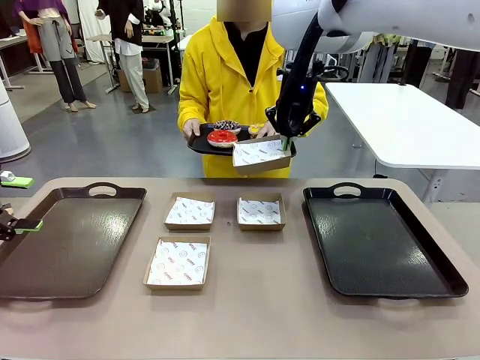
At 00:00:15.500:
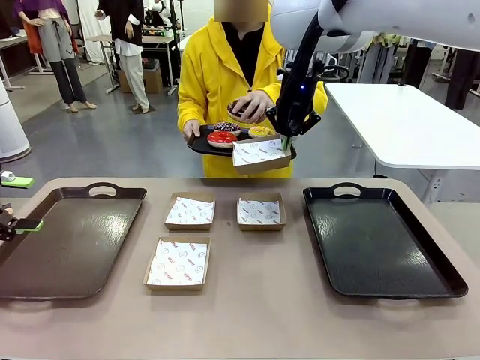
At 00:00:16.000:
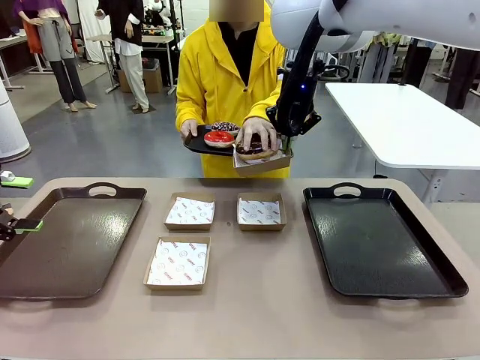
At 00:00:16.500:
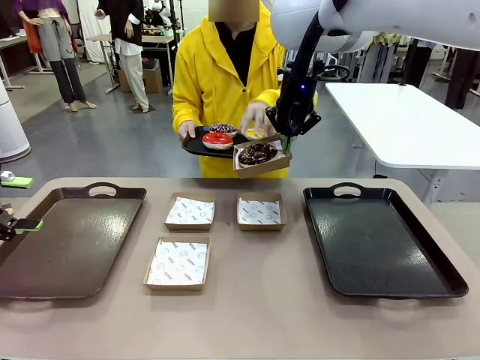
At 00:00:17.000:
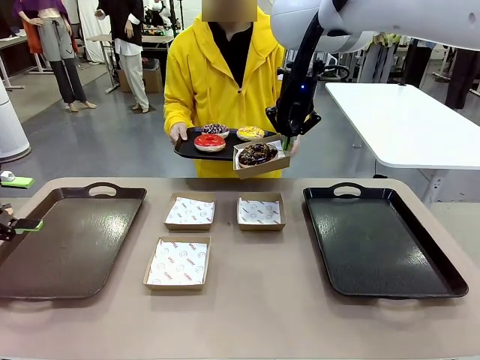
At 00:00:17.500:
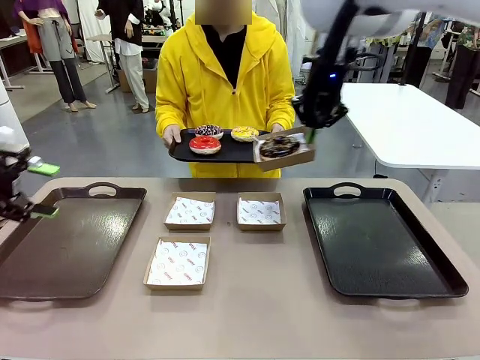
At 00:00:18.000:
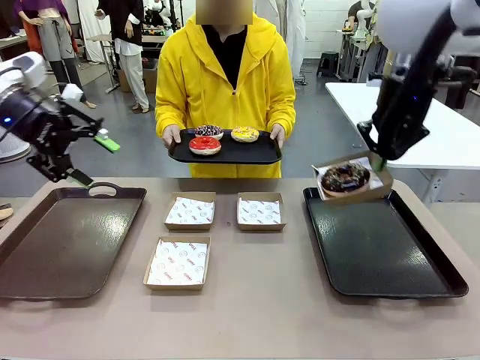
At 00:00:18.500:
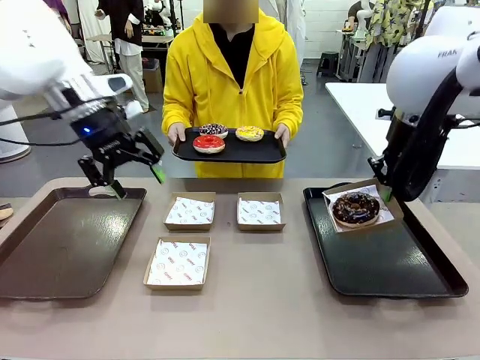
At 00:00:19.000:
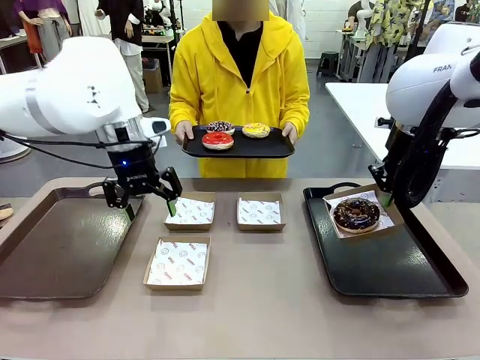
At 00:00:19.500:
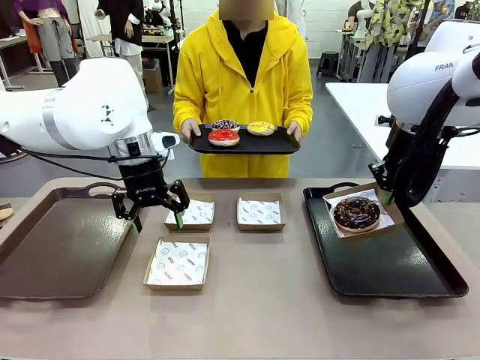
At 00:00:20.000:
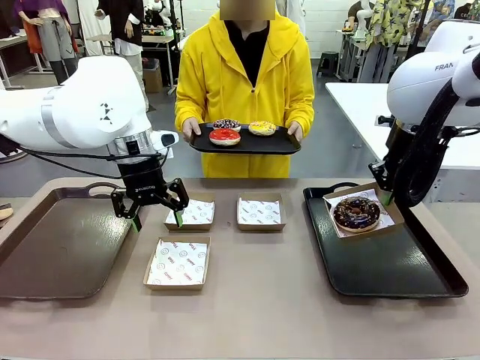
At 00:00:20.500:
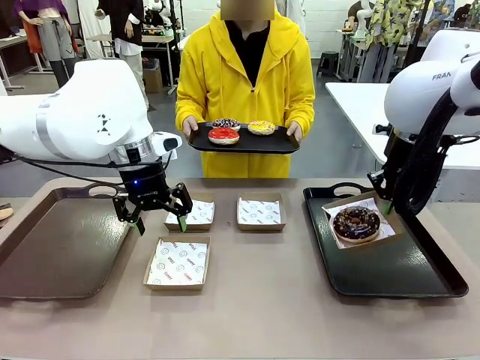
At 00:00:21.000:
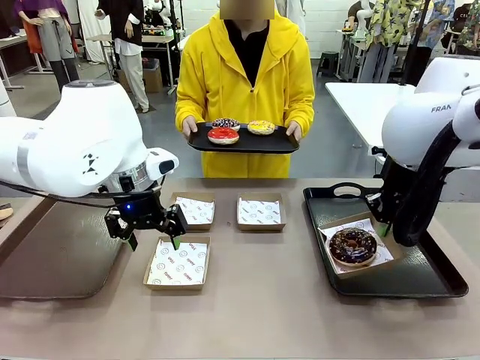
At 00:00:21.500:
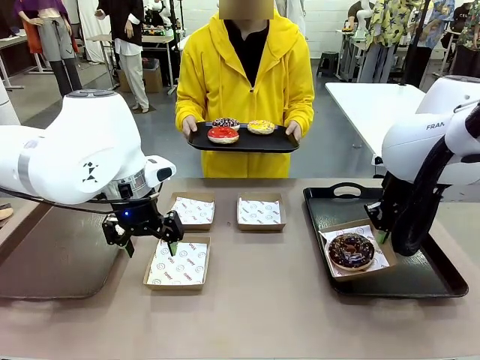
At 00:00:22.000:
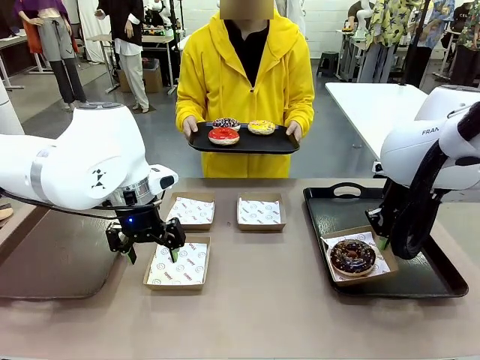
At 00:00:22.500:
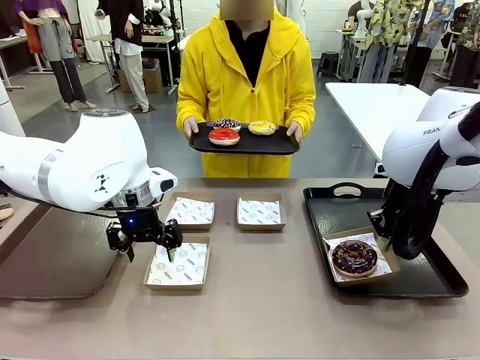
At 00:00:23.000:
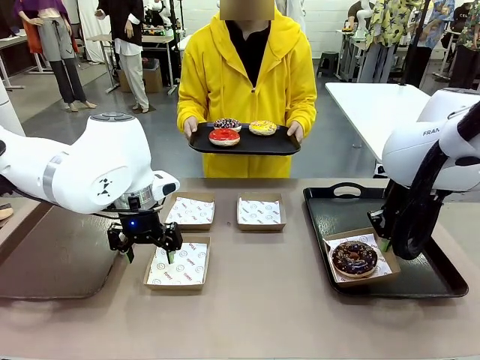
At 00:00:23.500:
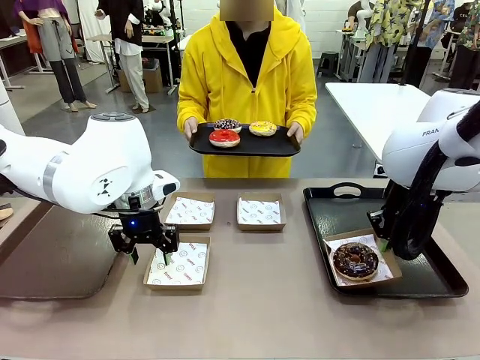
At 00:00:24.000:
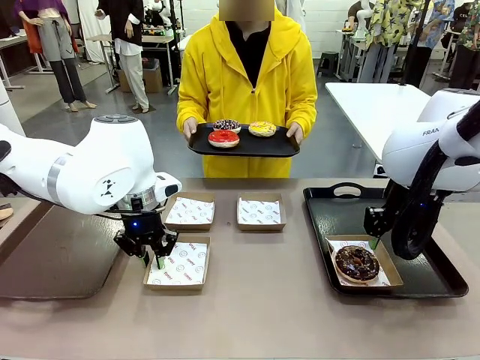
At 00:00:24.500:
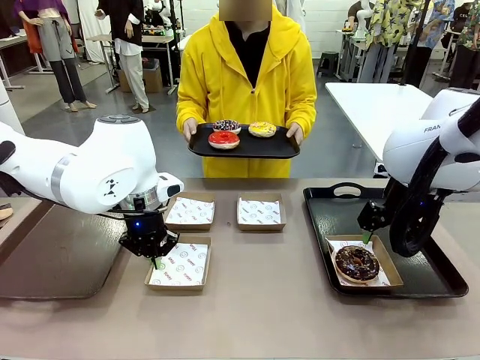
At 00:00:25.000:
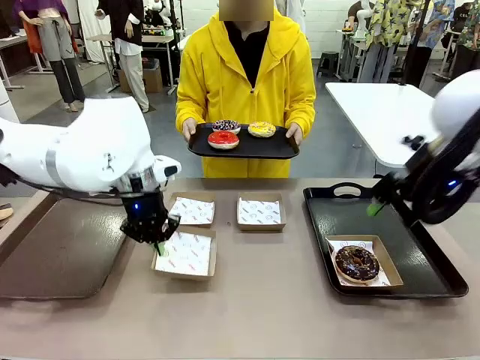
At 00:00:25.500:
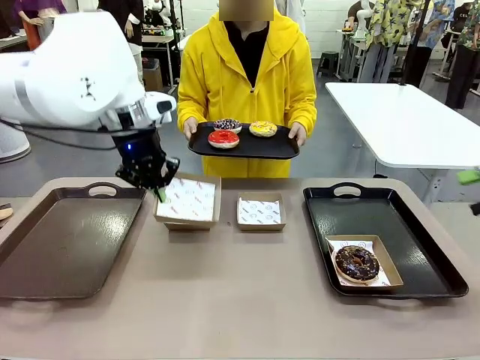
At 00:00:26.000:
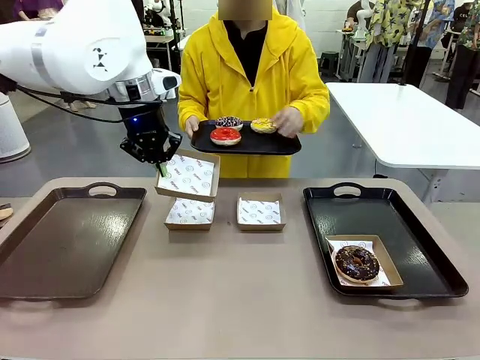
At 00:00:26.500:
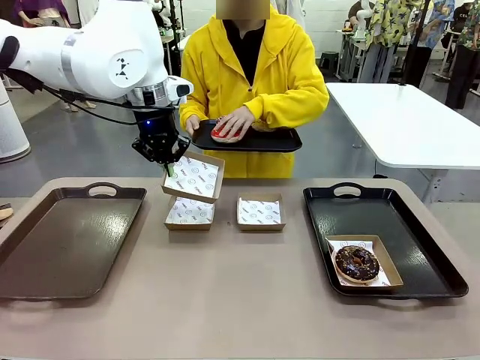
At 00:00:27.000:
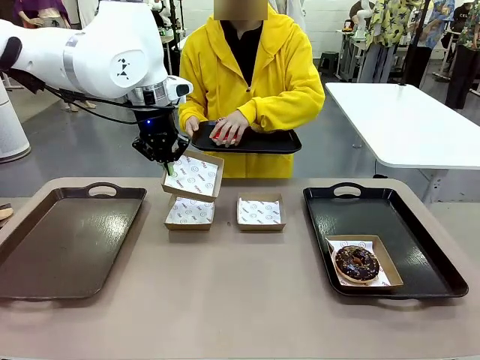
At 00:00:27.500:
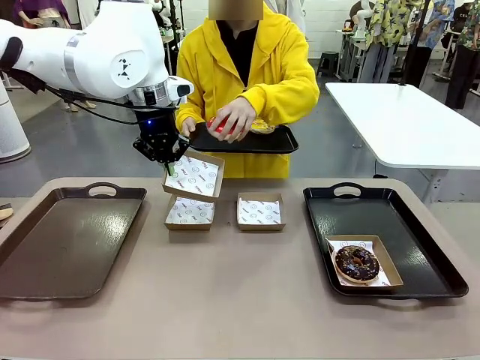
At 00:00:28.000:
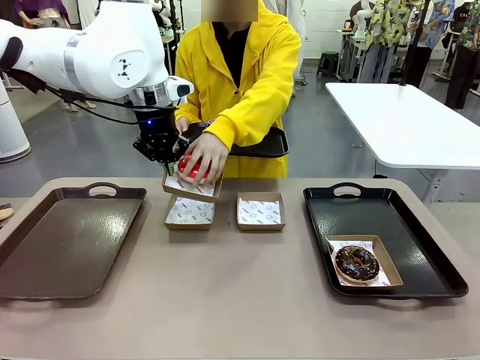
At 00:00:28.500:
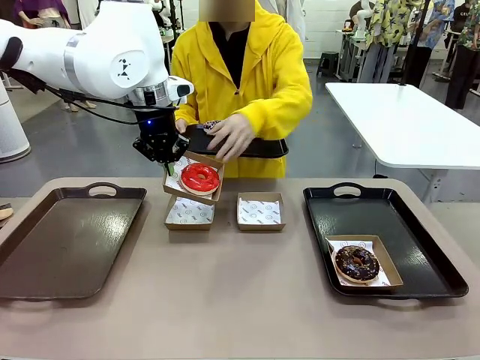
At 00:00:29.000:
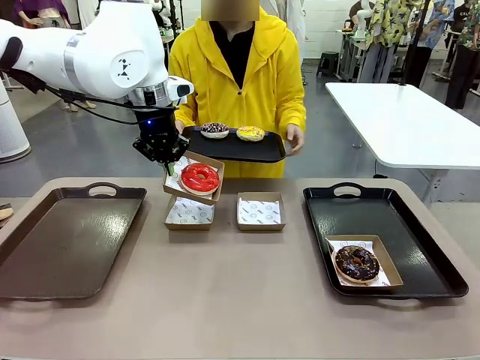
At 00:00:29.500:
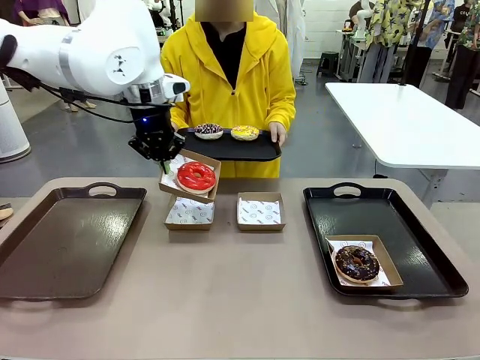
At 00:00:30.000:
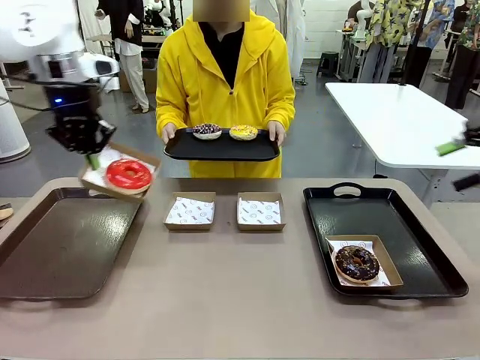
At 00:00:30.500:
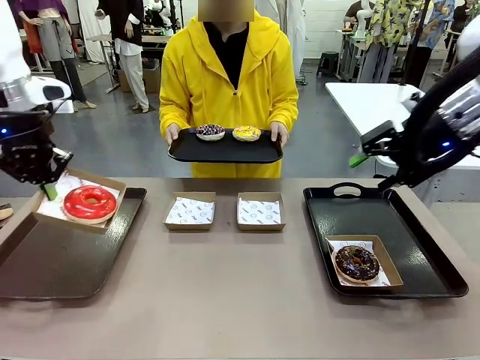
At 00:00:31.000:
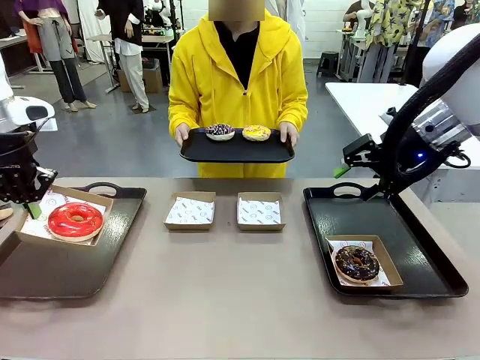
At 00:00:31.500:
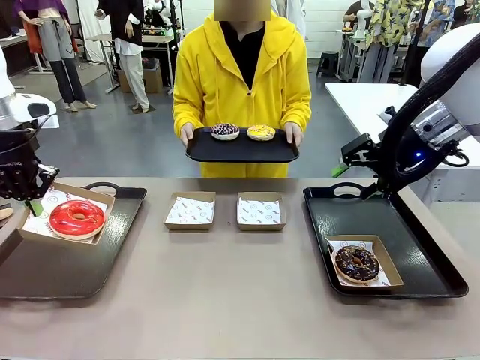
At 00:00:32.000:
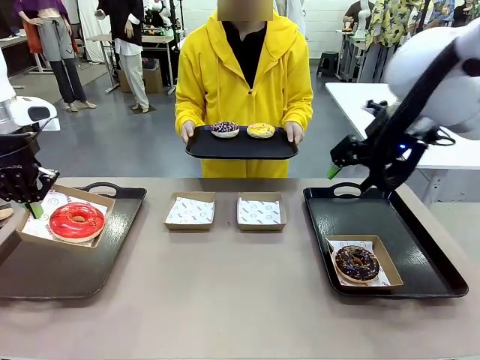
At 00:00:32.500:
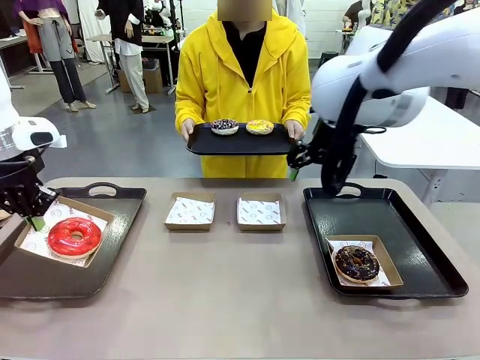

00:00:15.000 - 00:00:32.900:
Task: Individually package the donuts and arrange them on the tray.
Robot: Place the picked Paper togo box on the Handle tray while simultaneously picking up another Paper togo box from the table with the other hand.
